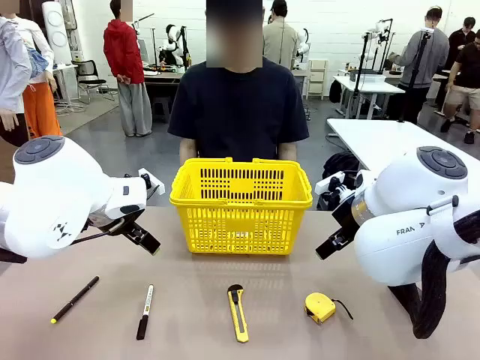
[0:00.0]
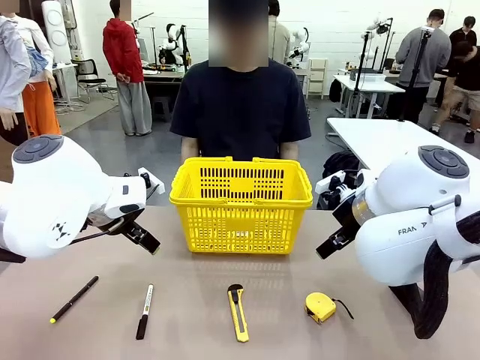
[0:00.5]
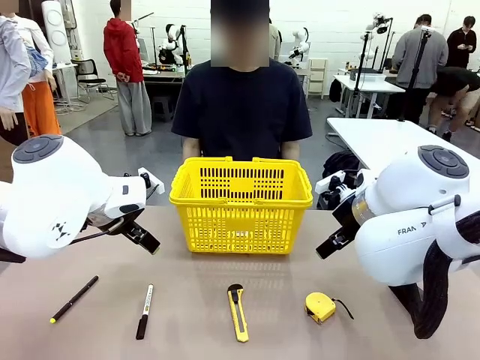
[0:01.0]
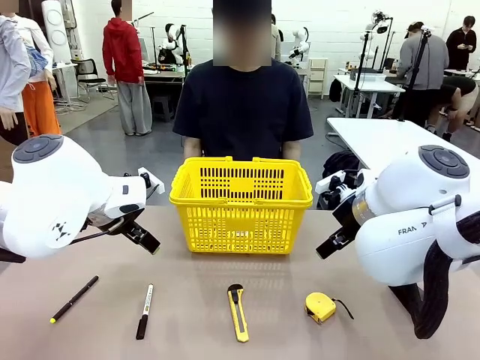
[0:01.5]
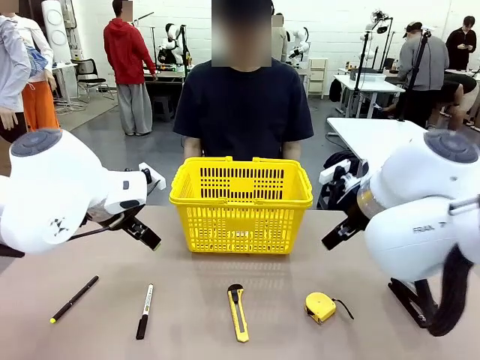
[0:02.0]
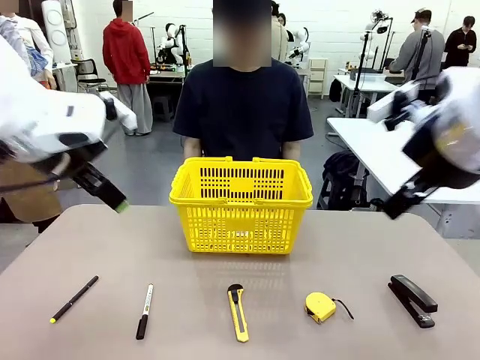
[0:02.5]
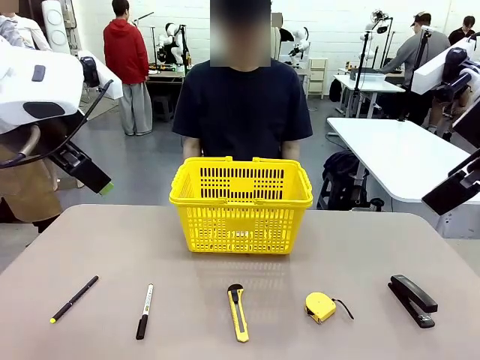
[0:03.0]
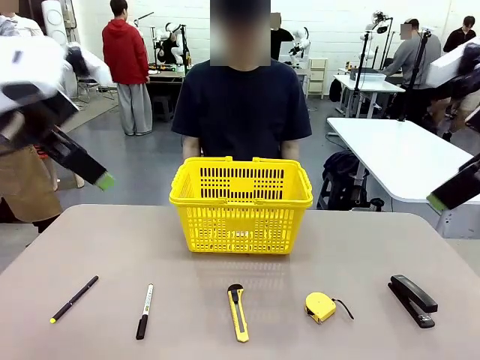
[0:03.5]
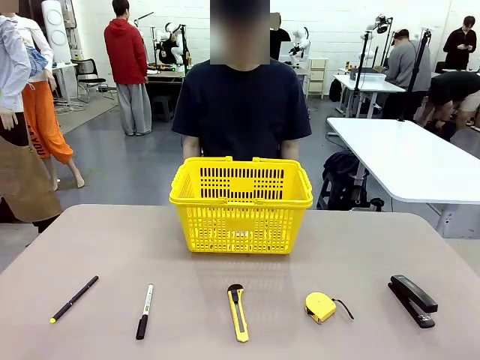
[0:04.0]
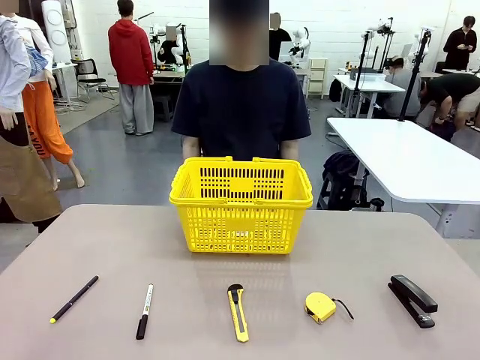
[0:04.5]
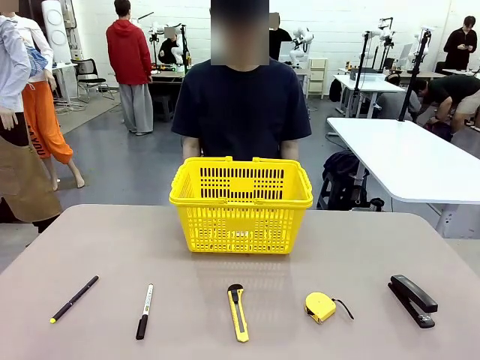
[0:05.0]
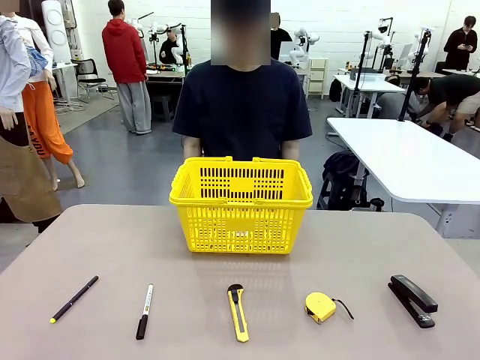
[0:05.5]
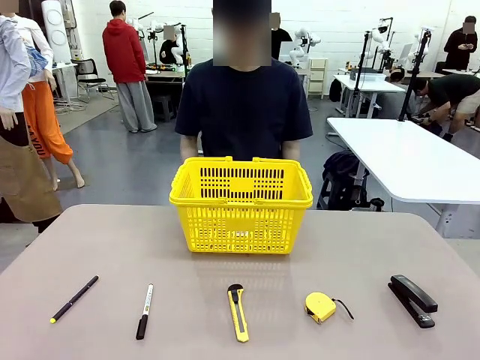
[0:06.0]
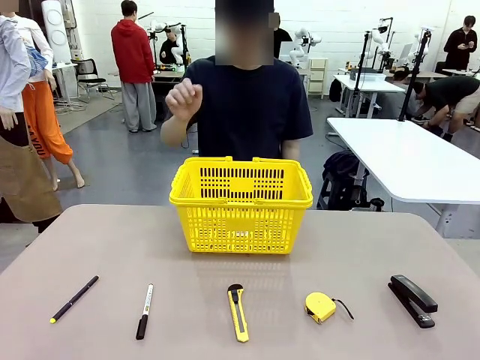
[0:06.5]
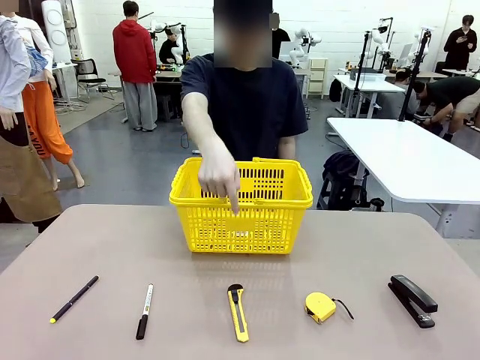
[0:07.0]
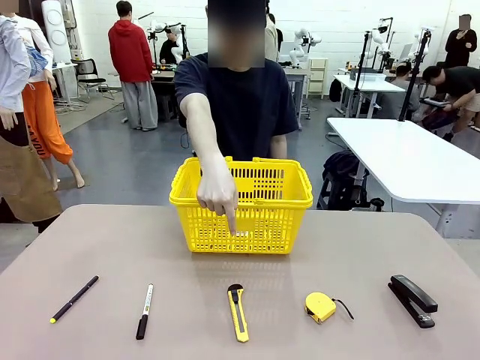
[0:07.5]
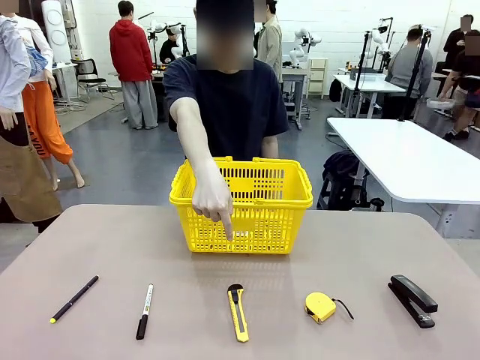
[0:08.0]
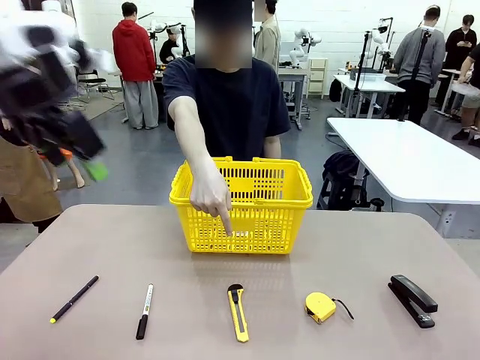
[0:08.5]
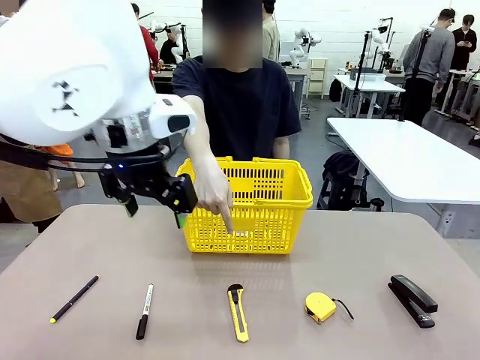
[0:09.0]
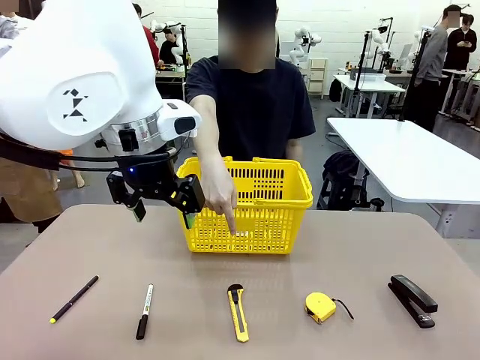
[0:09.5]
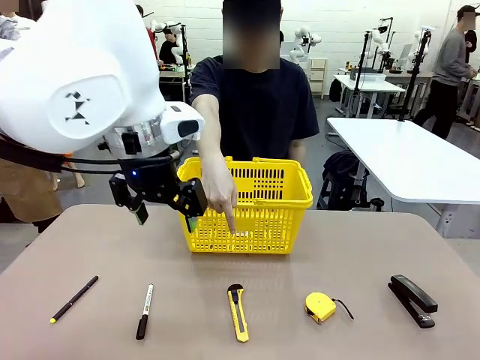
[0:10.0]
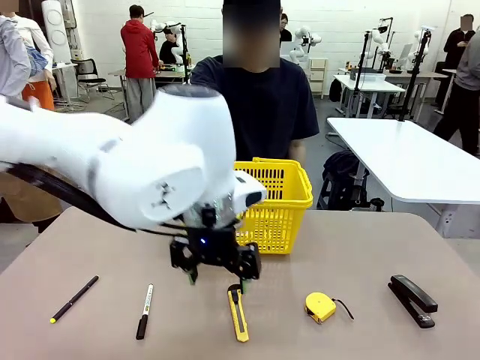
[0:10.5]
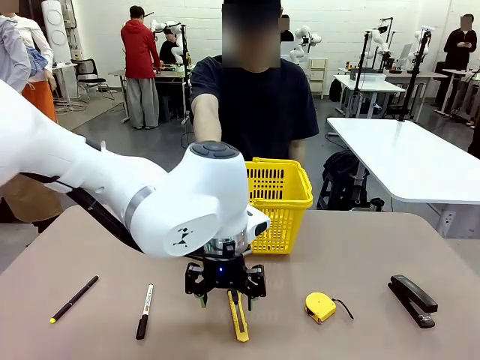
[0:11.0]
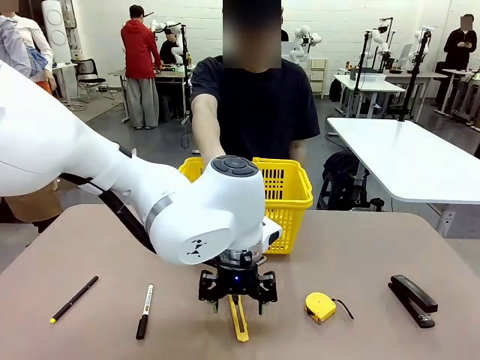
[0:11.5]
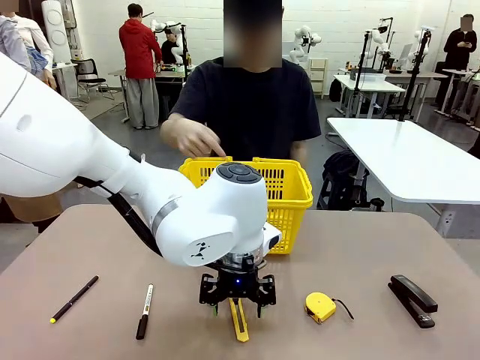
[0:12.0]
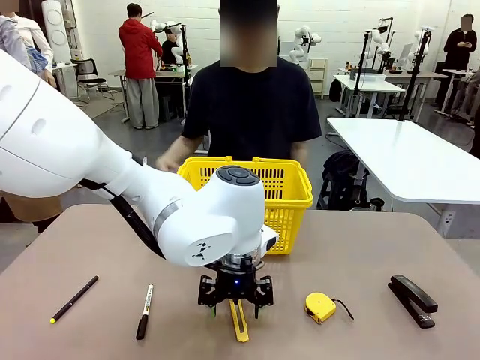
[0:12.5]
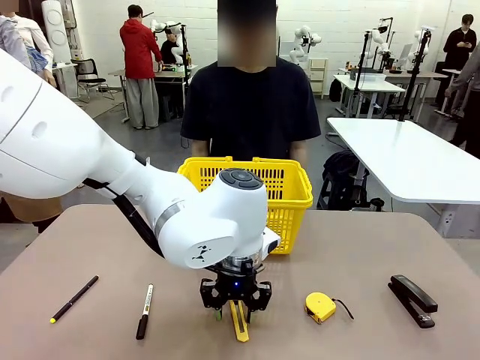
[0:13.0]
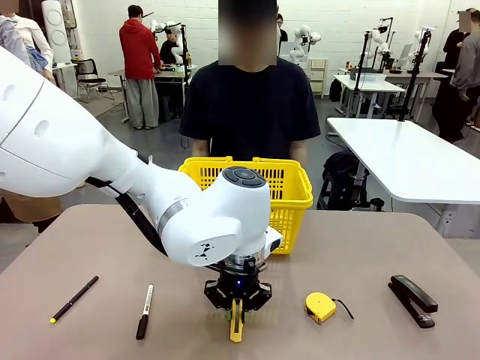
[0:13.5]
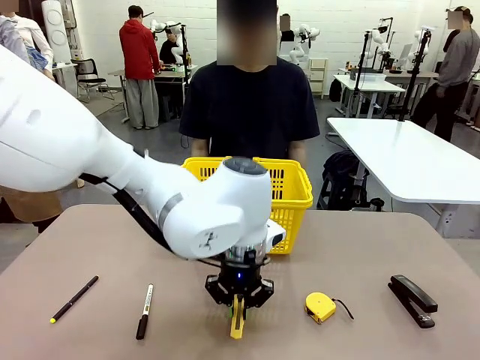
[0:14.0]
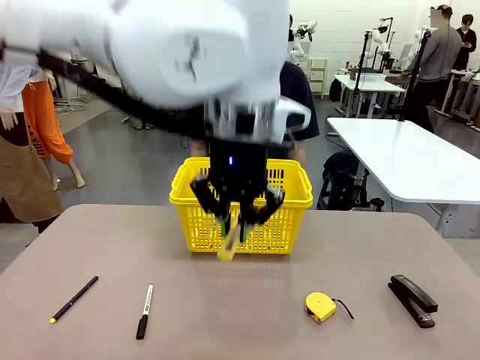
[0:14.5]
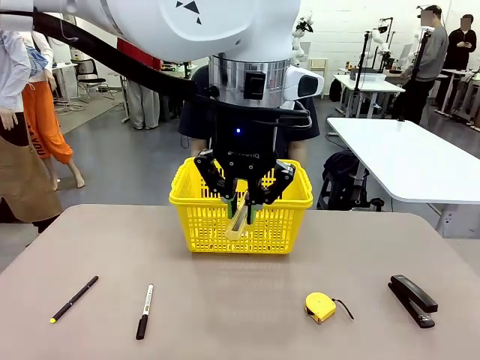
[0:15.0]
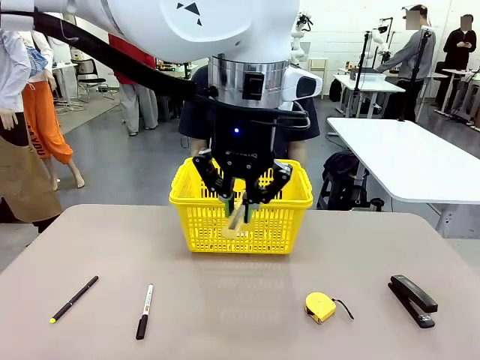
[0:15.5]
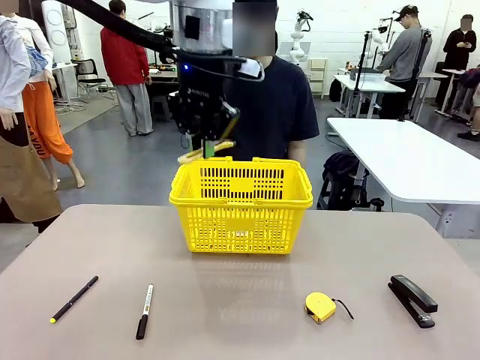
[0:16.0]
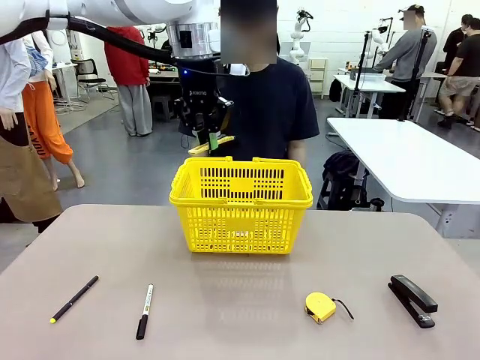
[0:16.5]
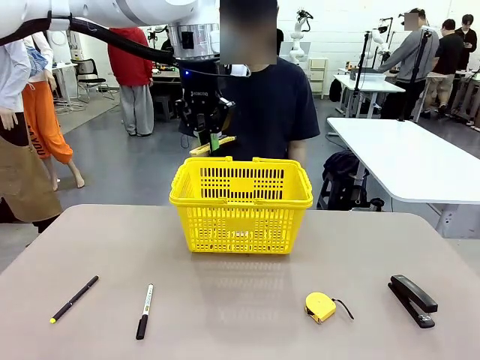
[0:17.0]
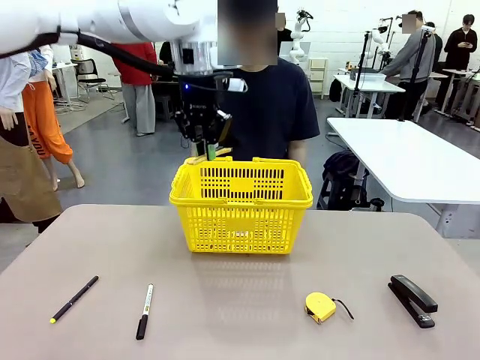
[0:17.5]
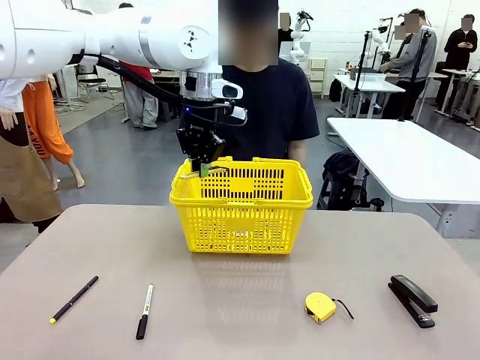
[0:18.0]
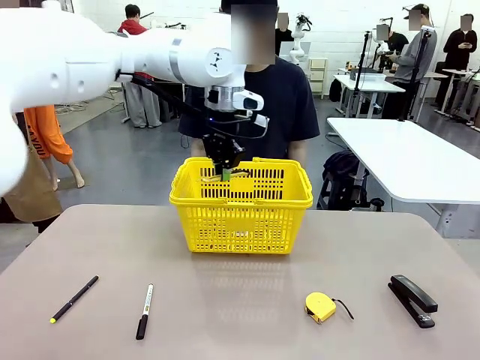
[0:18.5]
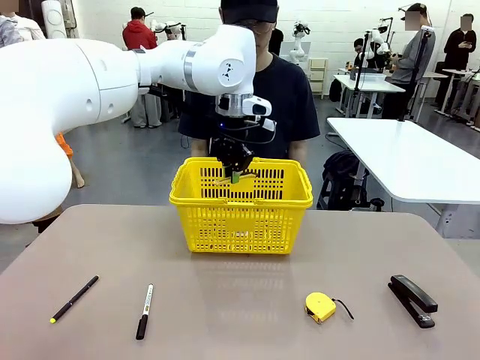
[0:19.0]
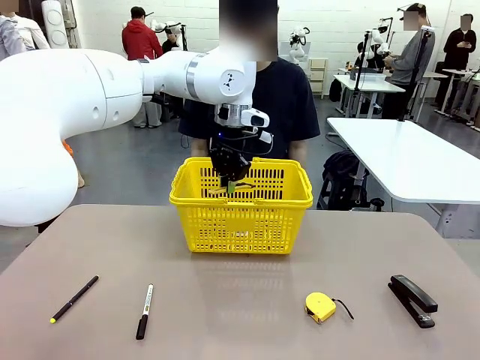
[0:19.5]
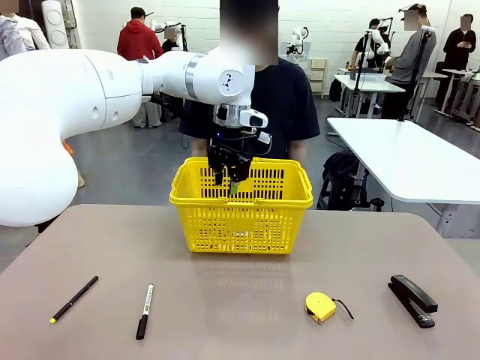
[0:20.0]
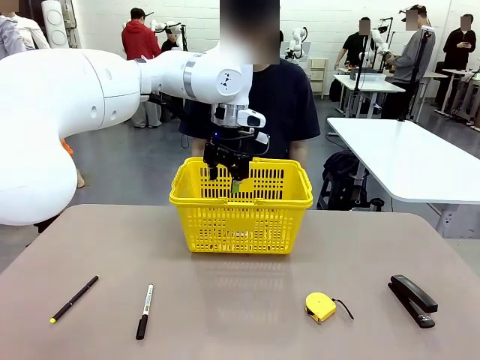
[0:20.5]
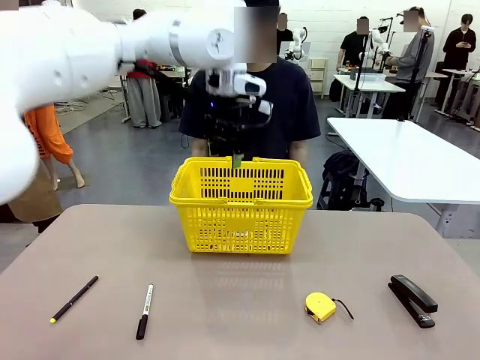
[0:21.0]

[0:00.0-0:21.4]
Task: Place the items the person wants into the basket.
Robot: Pick up the item the person points to and place it in the Market Basket.
